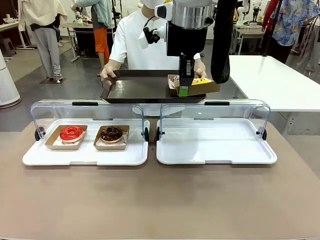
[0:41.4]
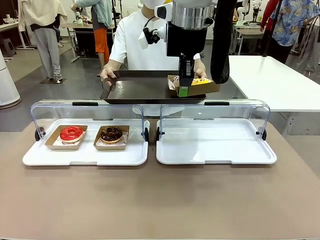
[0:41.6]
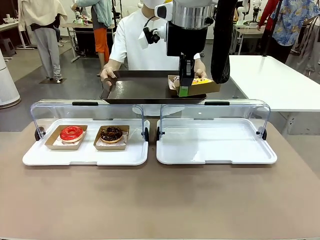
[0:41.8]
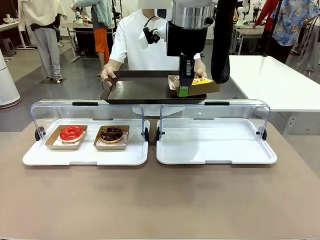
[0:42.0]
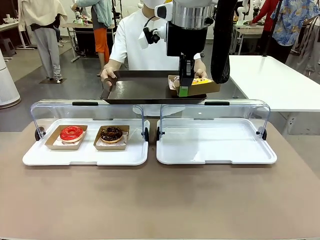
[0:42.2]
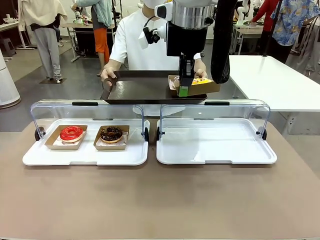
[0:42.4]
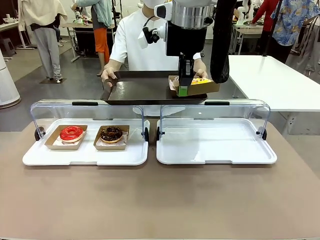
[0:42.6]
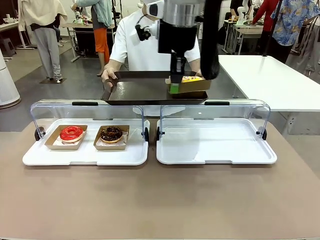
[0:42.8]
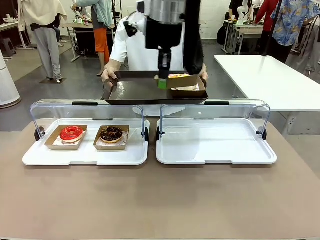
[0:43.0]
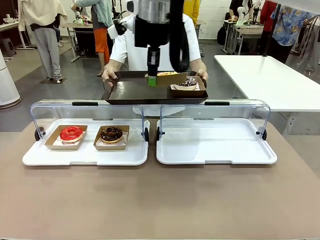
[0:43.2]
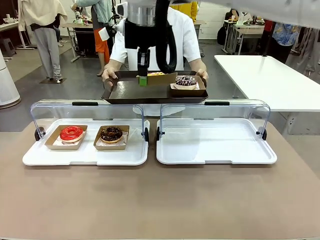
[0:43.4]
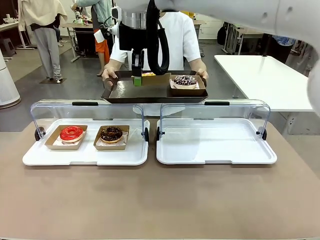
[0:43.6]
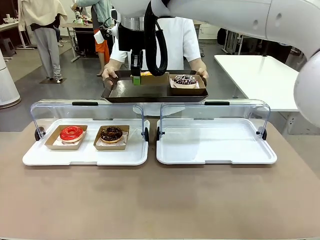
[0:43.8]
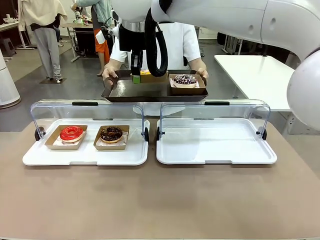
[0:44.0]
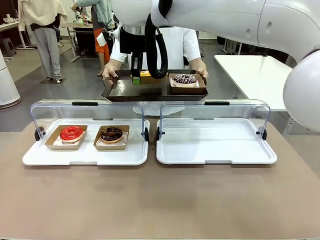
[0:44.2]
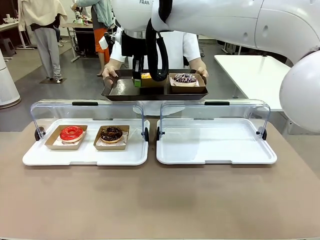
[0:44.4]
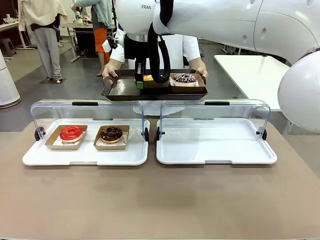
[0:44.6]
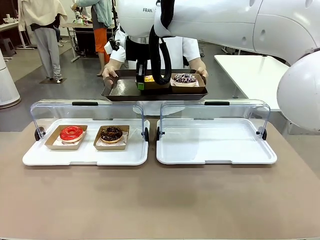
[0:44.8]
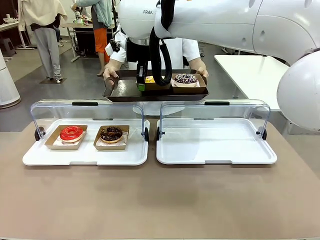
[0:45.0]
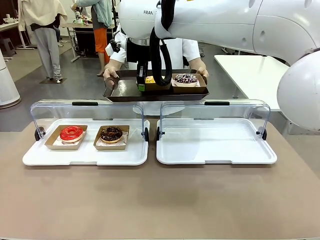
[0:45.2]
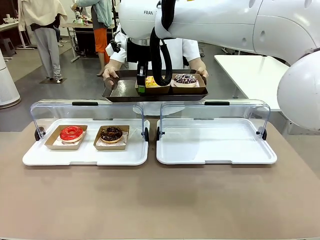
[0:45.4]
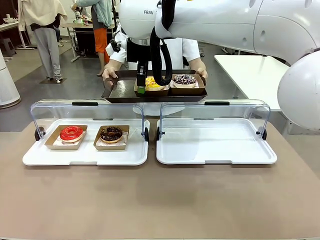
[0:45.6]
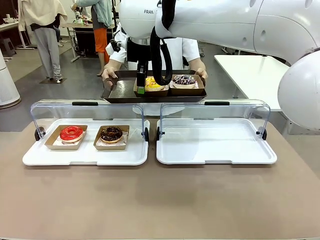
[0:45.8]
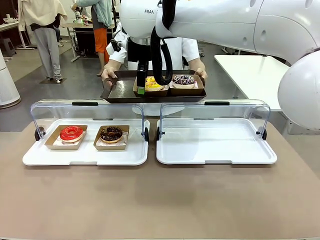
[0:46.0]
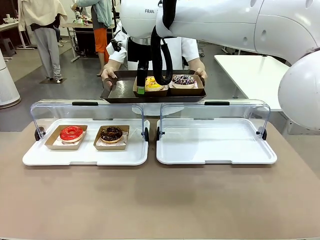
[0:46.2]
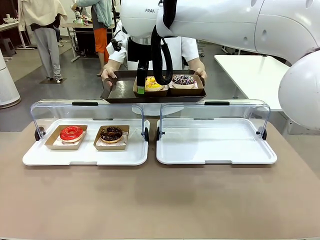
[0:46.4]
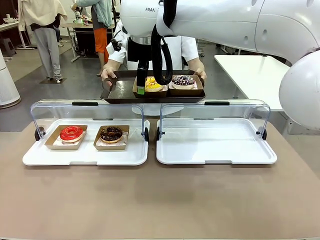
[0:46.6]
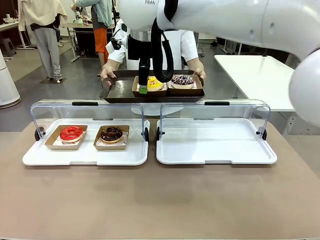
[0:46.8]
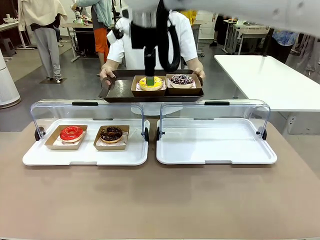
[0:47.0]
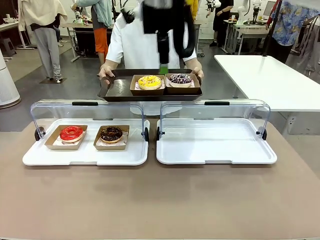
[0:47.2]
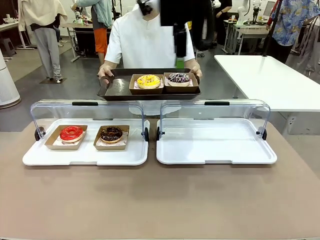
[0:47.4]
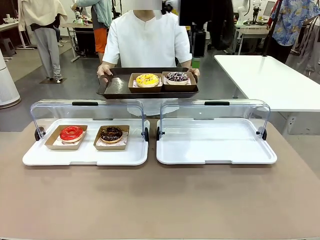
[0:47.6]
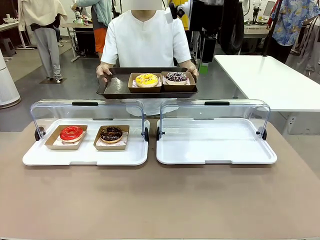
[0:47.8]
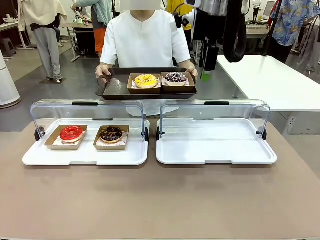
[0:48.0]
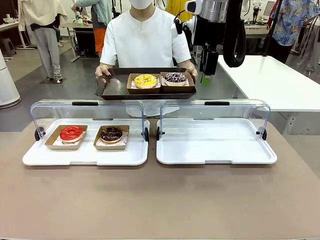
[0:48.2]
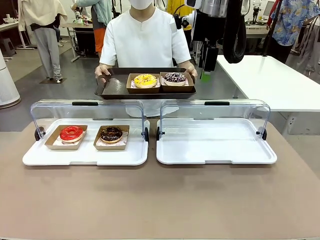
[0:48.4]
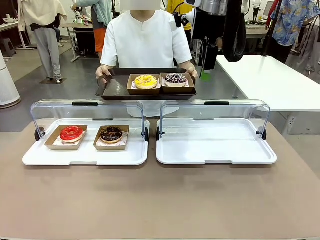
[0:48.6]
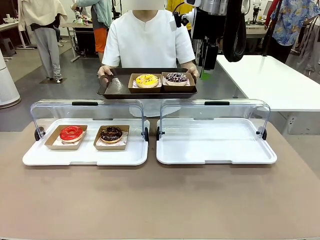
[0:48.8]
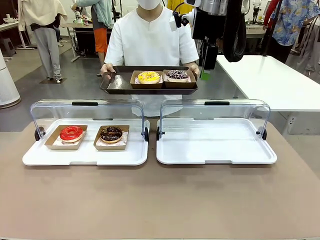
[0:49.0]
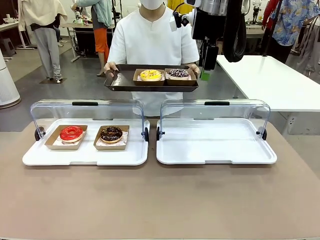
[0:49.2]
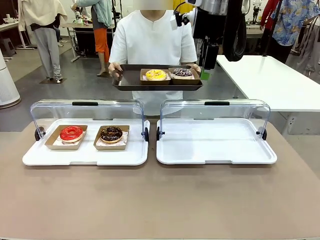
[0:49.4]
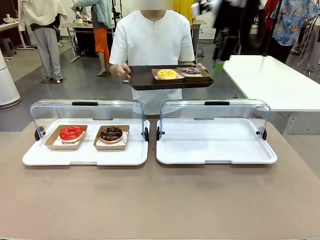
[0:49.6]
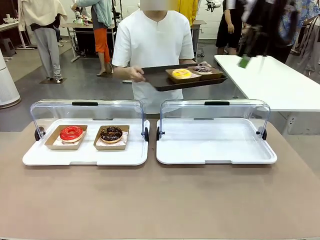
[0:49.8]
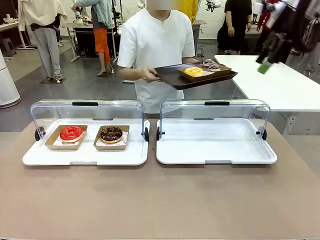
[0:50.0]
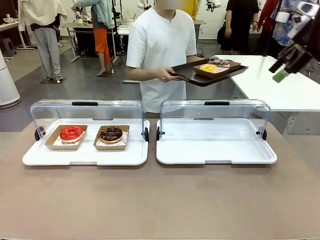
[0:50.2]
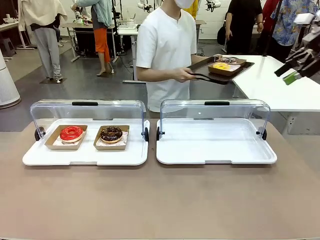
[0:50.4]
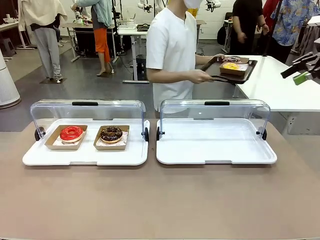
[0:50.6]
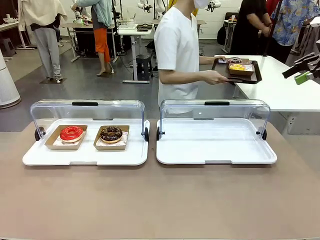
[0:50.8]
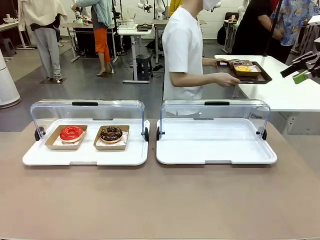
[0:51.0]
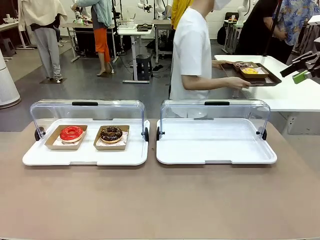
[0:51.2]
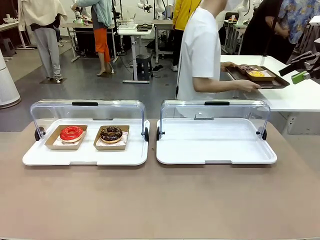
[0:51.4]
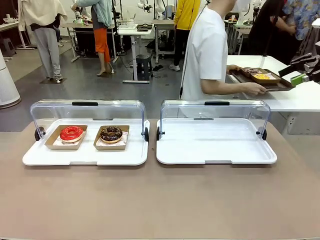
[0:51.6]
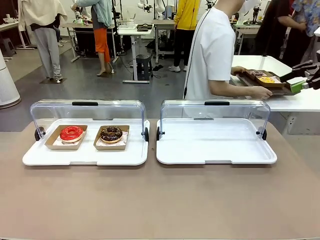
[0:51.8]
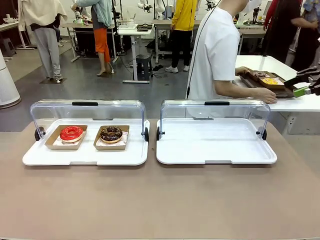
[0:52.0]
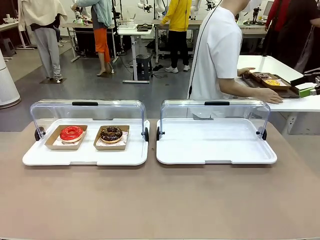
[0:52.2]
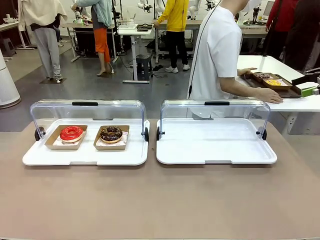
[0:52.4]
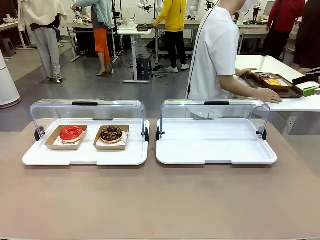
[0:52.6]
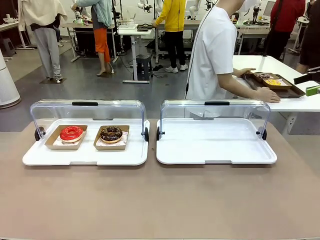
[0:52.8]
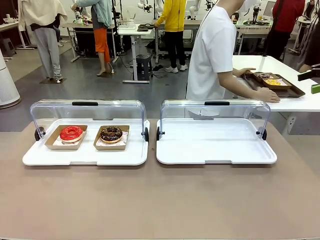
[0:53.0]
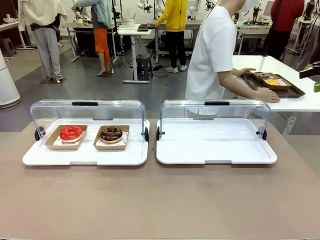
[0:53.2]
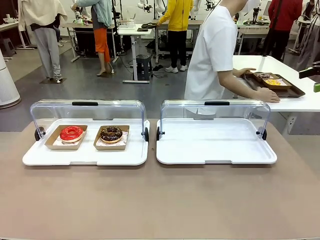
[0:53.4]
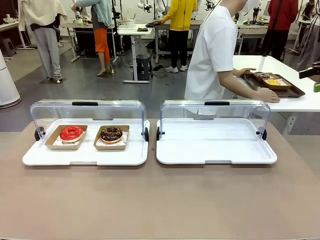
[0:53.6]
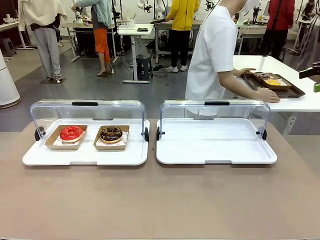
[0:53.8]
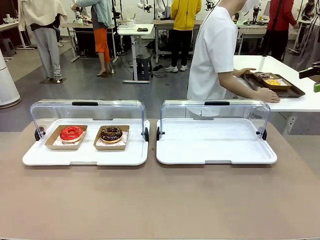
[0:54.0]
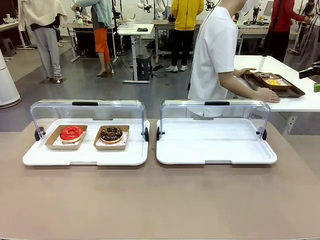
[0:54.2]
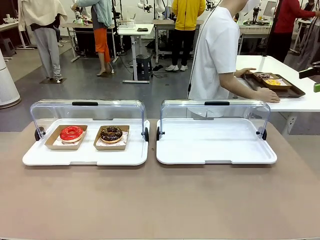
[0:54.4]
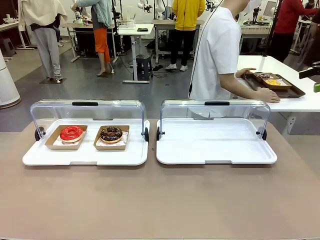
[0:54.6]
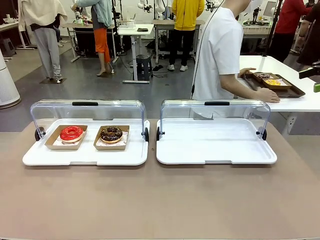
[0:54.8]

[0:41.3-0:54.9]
Task: Provide the desired donut to the person.
Robot: Place the picked Paper togo box onto the Handle tray extended by the person.
Person: Place the tray in the middle of the human table.

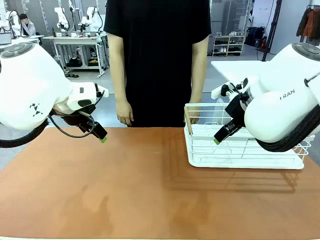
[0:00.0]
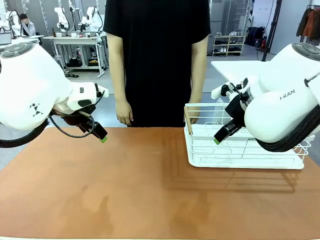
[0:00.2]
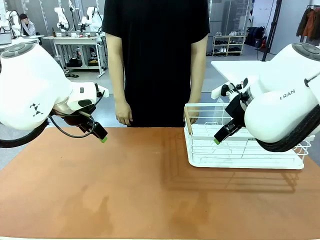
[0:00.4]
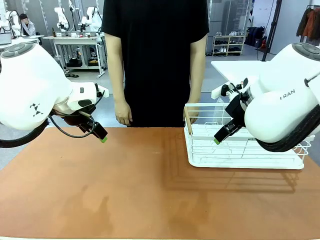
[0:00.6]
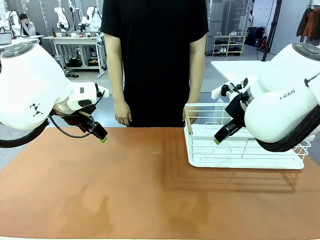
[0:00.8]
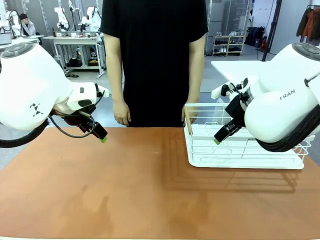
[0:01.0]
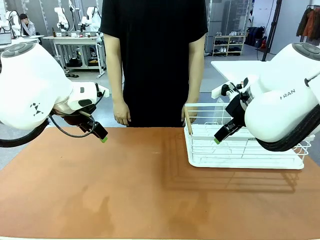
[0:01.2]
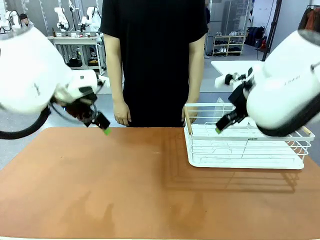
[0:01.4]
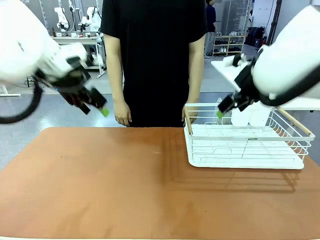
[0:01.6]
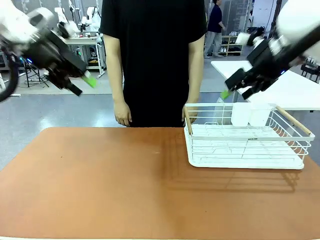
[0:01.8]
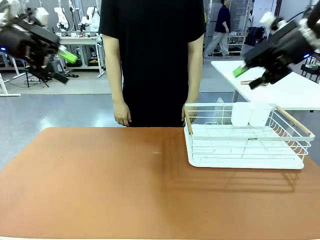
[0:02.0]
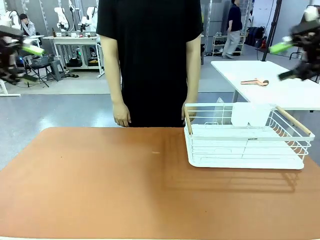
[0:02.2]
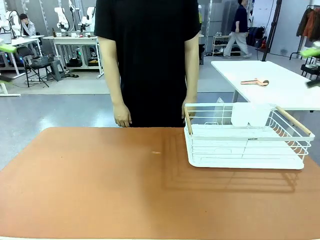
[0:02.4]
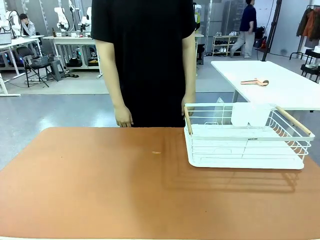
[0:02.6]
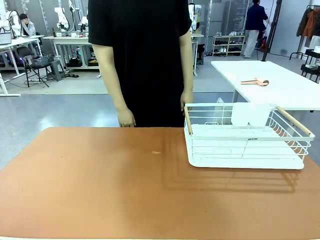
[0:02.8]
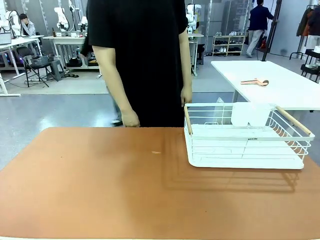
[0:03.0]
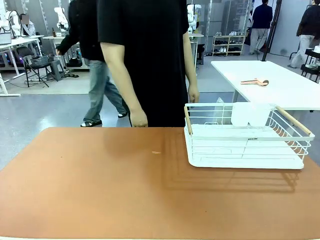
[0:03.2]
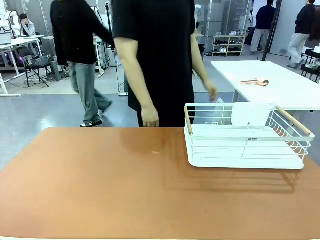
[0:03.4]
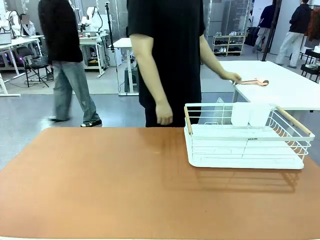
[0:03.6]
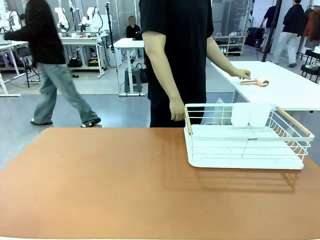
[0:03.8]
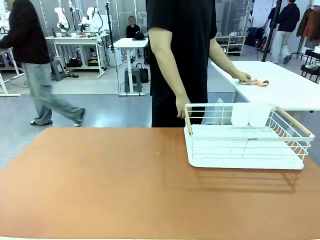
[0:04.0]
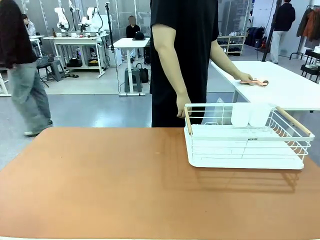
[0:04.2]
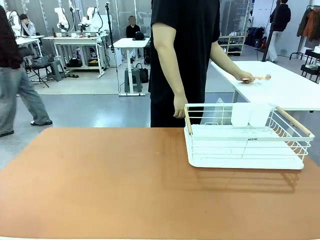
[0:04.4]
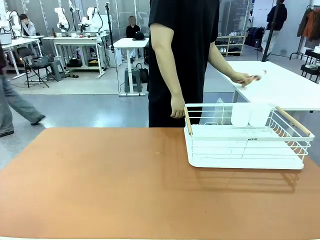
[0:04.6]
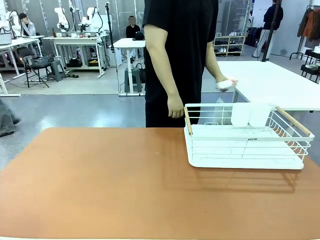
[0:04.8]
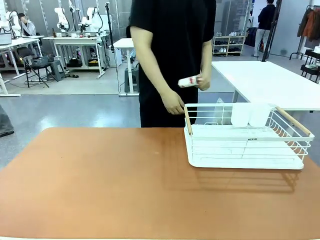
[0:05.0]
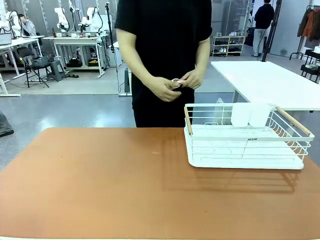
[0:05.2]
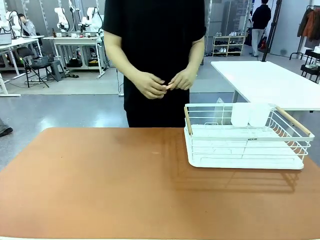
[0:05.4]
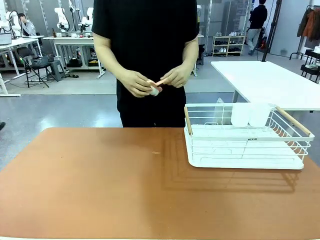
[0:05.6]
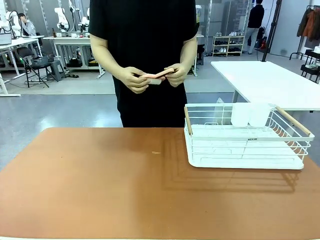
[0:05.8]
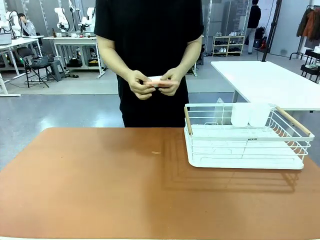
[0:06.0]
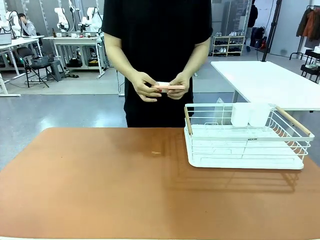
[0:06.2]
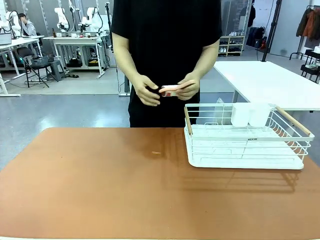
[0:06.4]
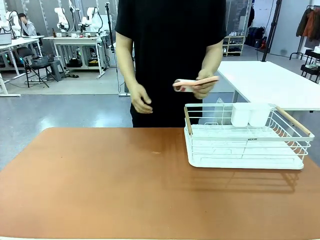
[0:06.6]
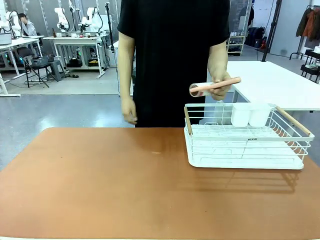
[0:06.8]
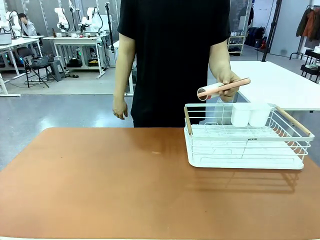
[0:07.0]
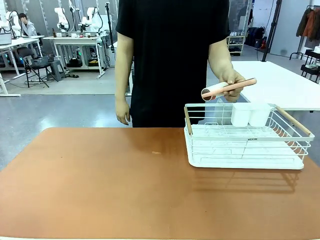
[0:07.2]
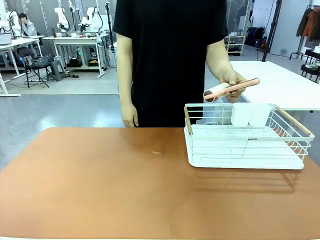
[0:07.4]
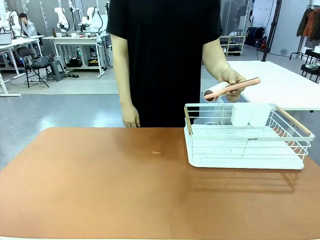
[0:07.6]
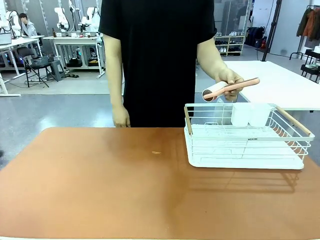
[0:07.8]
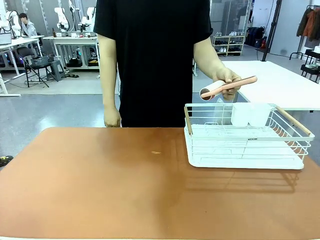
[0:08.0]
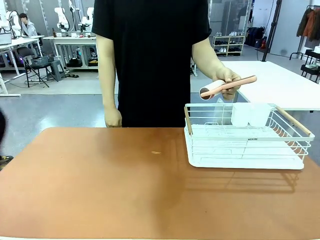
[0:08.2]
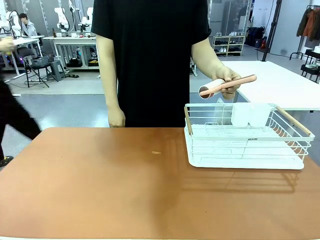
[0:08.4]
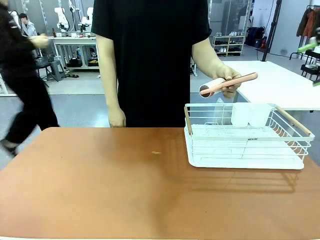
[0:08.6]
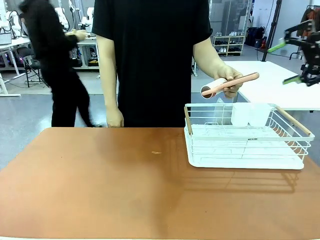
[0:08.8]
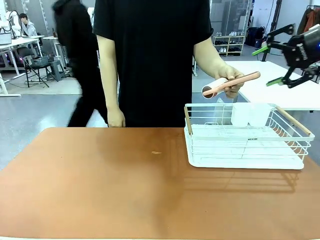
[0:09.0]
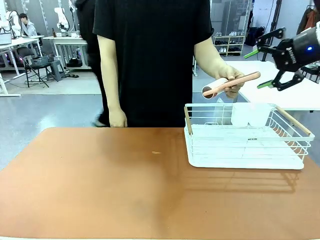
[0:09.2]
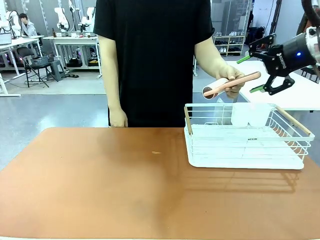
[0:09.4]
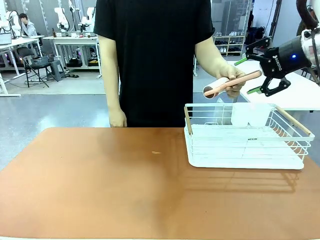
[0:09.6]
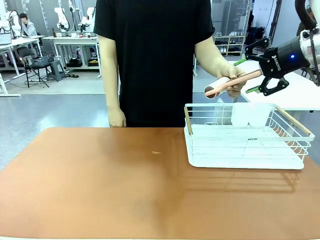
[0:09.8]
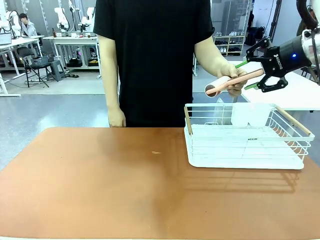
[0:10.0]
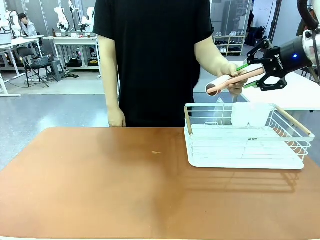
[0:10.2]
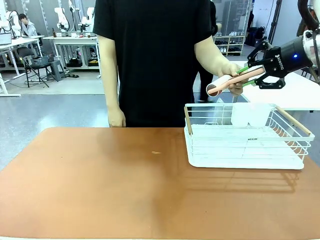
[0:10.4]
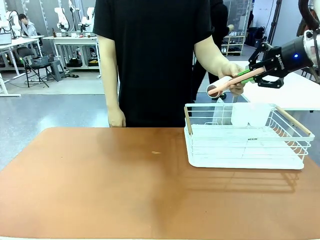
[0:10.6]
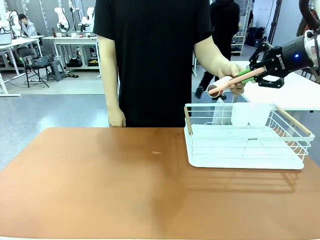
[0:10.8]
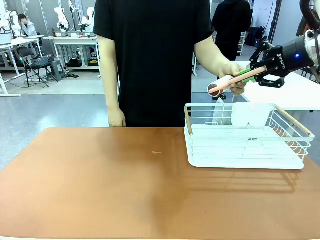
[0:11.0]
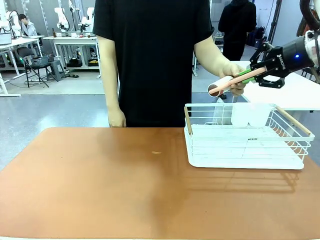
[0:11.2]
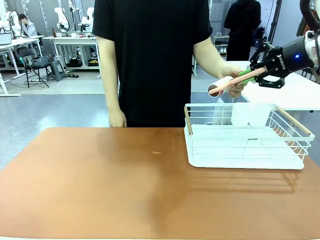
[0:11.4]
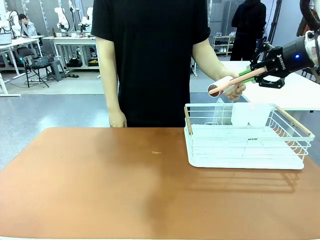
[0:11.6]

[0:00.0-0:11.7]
Task: Clean the table.
Robot: Pick up the Lint Roller when the human hands it over.
Person: Hand the Lint Roller to the robot so it can easily pick it up. Lift the Dish drying rack.
